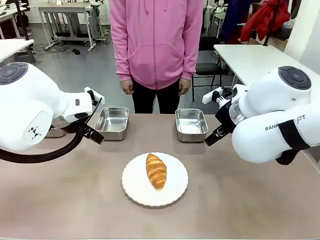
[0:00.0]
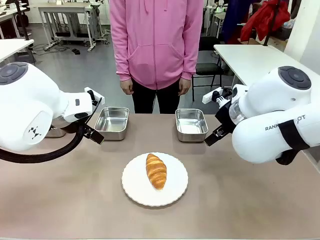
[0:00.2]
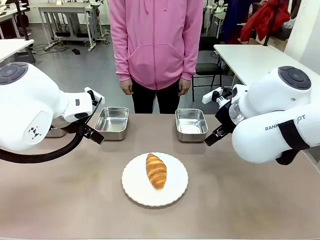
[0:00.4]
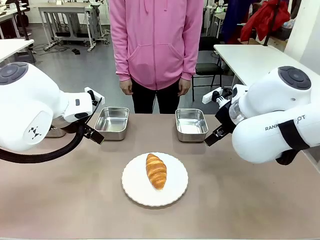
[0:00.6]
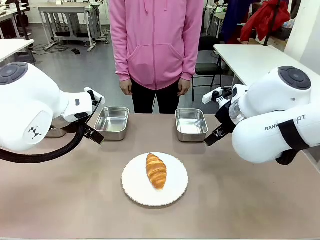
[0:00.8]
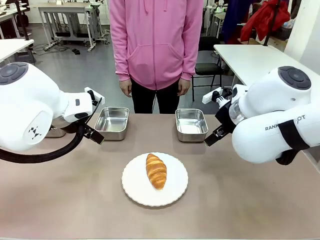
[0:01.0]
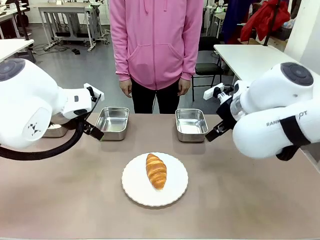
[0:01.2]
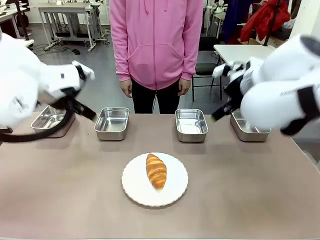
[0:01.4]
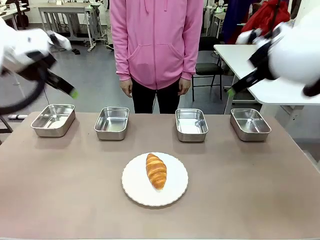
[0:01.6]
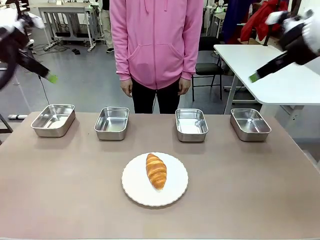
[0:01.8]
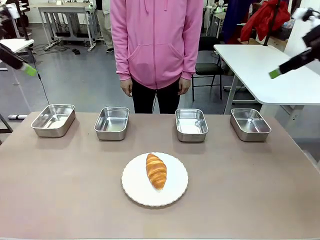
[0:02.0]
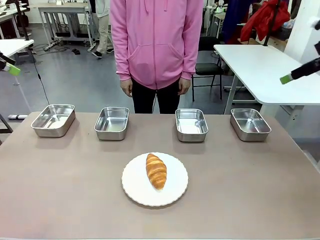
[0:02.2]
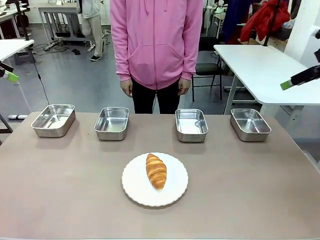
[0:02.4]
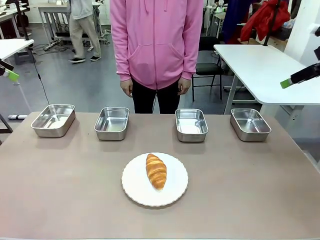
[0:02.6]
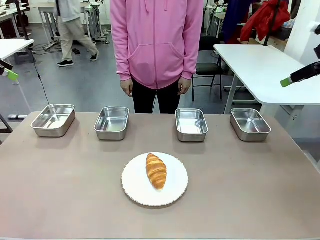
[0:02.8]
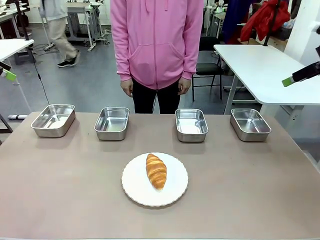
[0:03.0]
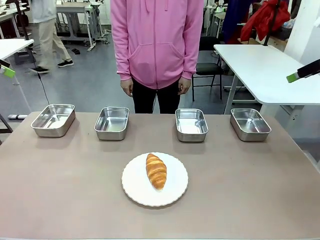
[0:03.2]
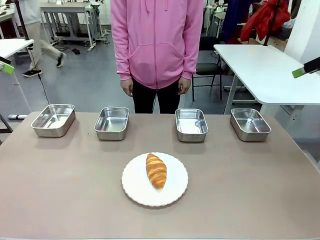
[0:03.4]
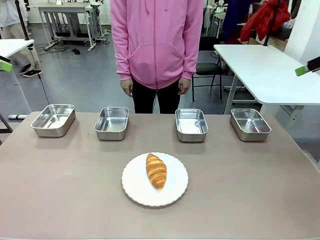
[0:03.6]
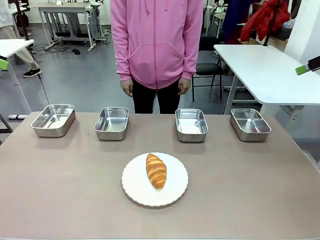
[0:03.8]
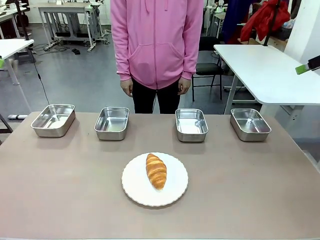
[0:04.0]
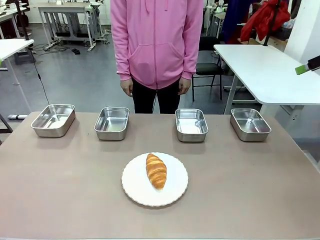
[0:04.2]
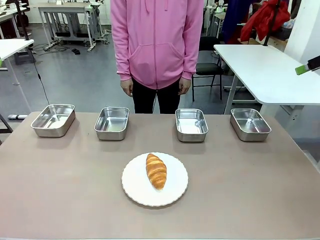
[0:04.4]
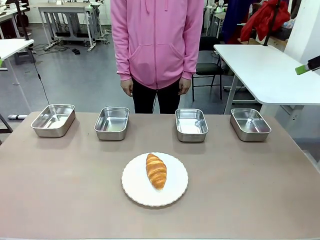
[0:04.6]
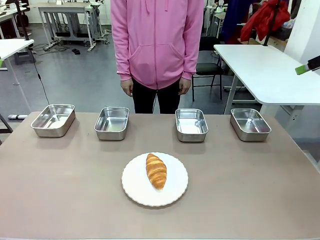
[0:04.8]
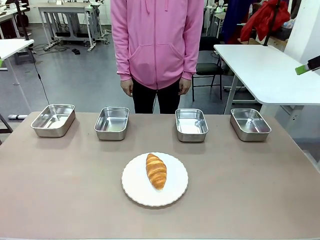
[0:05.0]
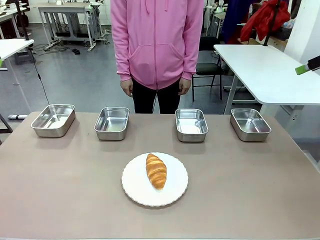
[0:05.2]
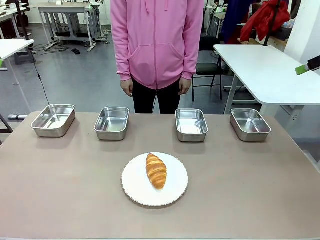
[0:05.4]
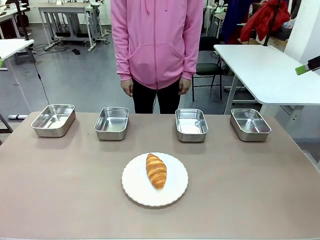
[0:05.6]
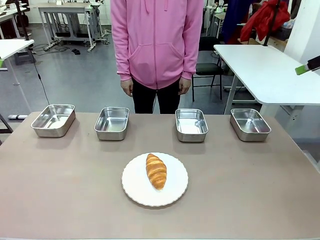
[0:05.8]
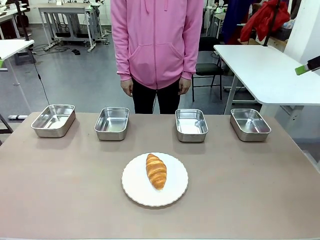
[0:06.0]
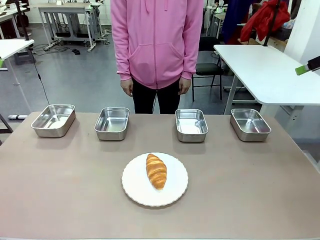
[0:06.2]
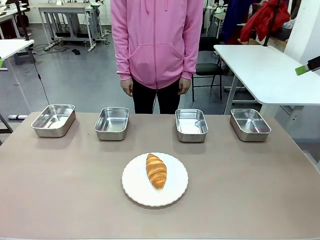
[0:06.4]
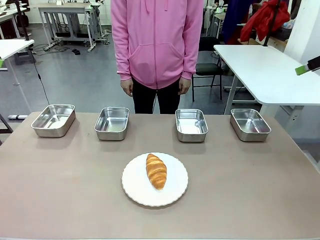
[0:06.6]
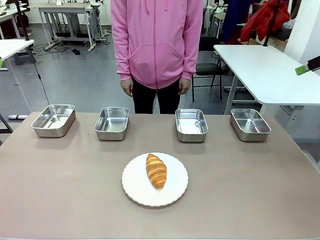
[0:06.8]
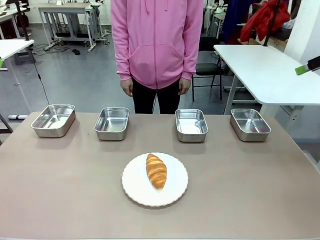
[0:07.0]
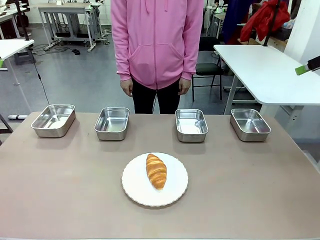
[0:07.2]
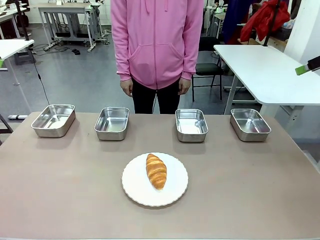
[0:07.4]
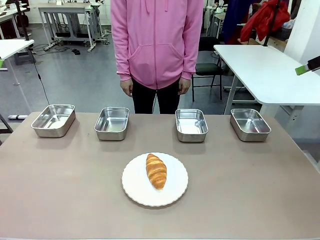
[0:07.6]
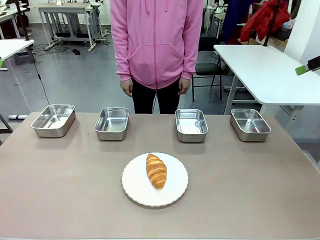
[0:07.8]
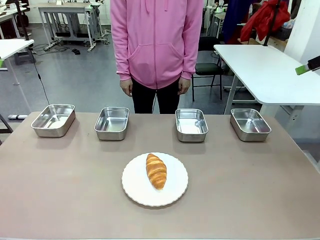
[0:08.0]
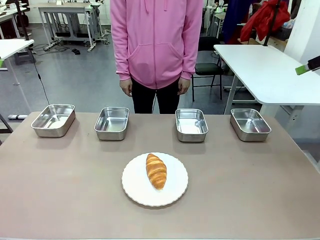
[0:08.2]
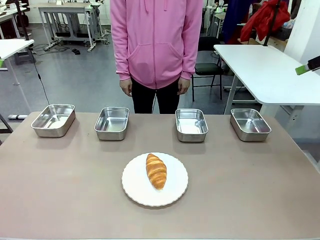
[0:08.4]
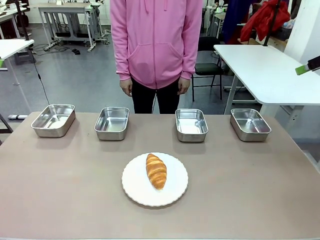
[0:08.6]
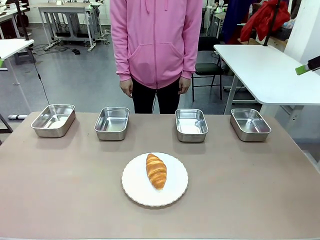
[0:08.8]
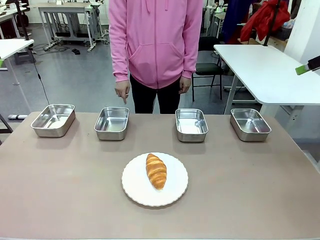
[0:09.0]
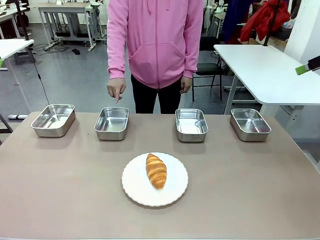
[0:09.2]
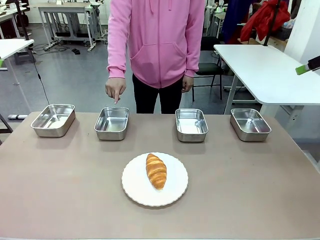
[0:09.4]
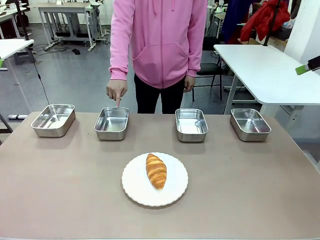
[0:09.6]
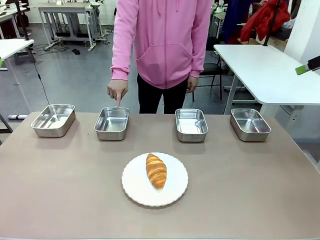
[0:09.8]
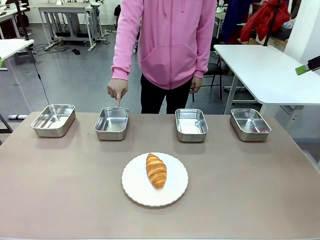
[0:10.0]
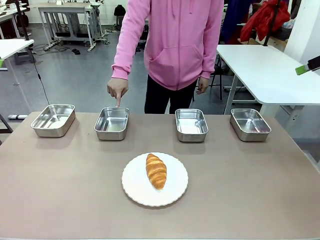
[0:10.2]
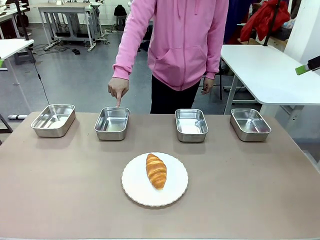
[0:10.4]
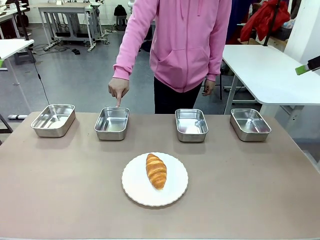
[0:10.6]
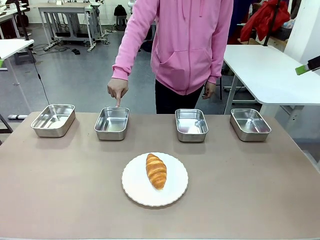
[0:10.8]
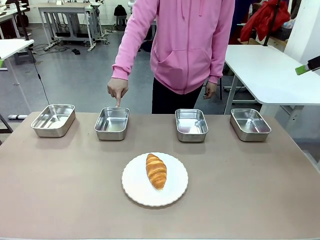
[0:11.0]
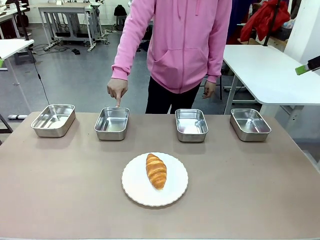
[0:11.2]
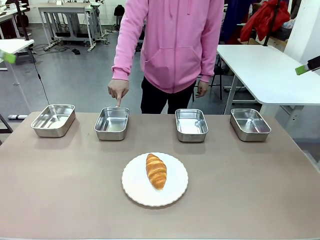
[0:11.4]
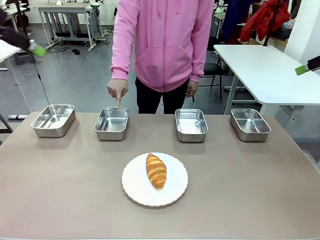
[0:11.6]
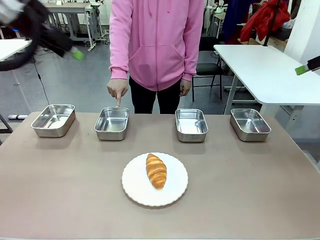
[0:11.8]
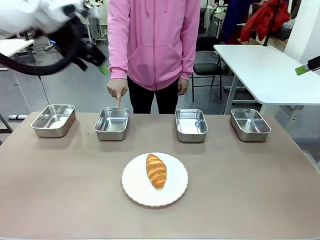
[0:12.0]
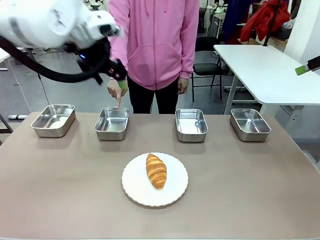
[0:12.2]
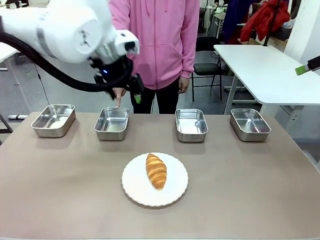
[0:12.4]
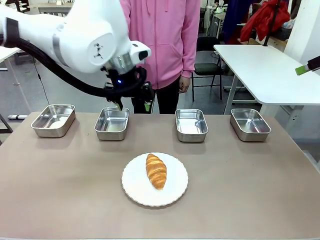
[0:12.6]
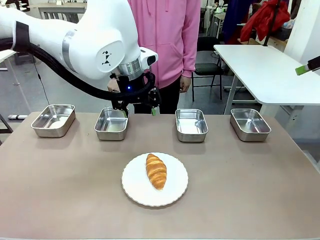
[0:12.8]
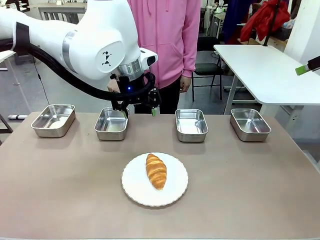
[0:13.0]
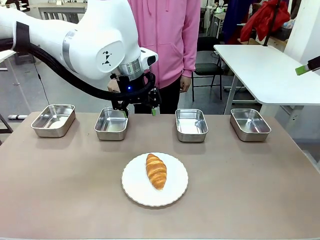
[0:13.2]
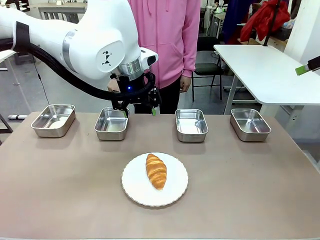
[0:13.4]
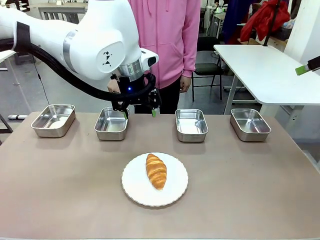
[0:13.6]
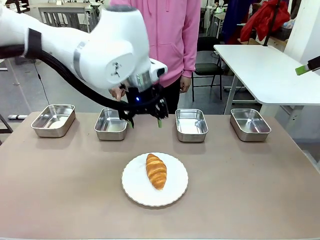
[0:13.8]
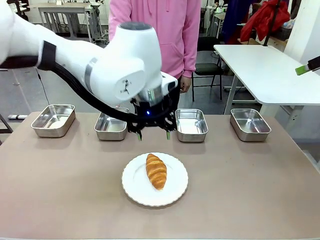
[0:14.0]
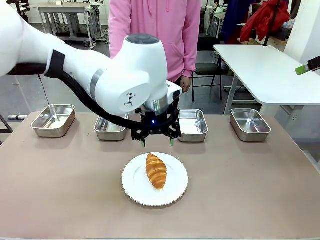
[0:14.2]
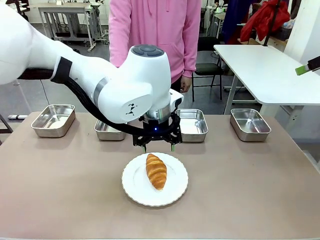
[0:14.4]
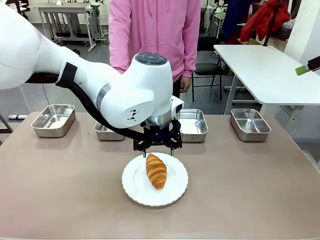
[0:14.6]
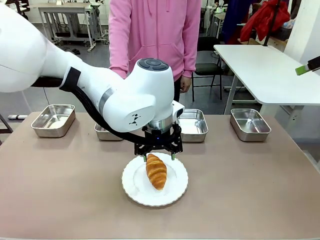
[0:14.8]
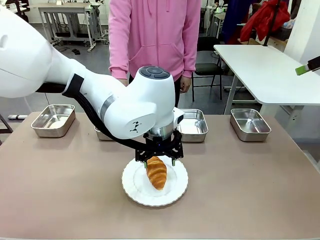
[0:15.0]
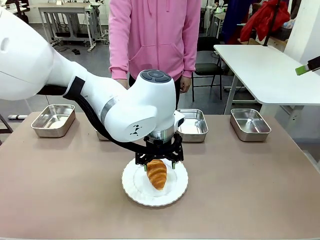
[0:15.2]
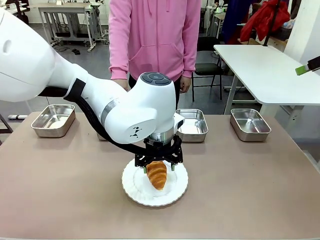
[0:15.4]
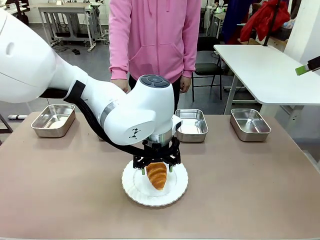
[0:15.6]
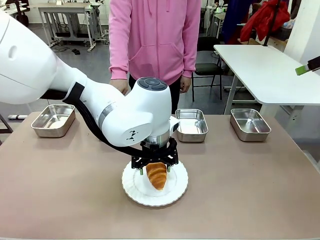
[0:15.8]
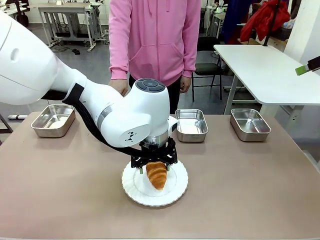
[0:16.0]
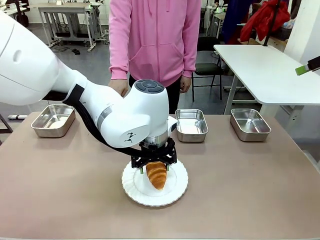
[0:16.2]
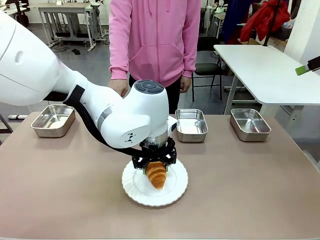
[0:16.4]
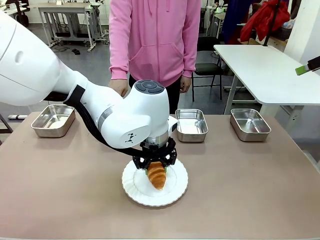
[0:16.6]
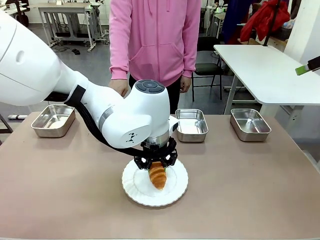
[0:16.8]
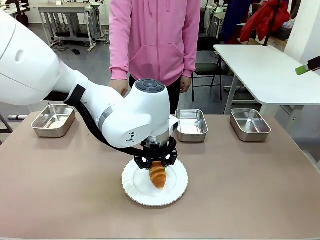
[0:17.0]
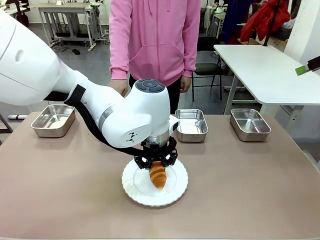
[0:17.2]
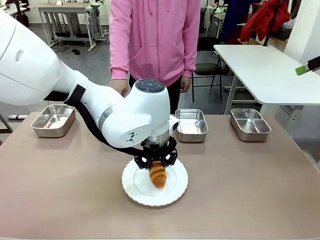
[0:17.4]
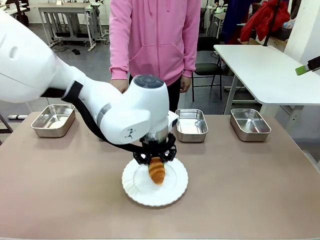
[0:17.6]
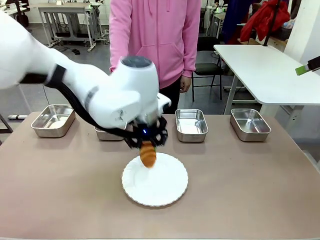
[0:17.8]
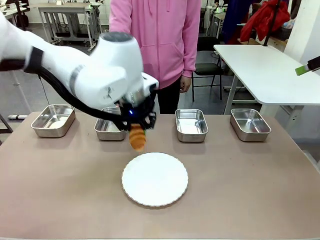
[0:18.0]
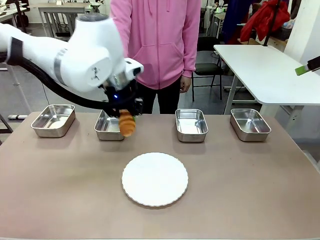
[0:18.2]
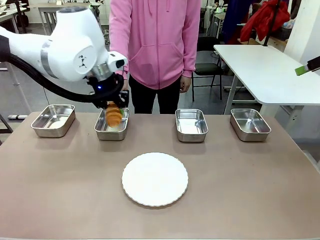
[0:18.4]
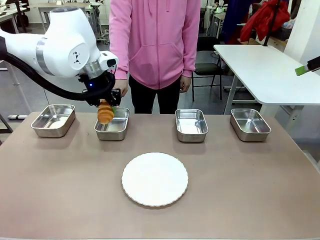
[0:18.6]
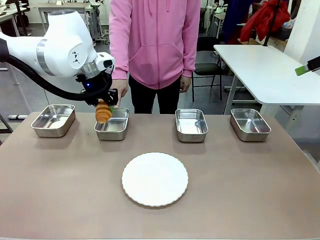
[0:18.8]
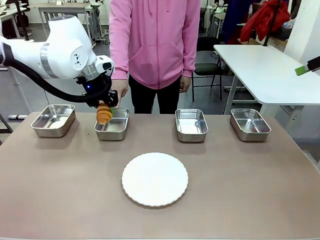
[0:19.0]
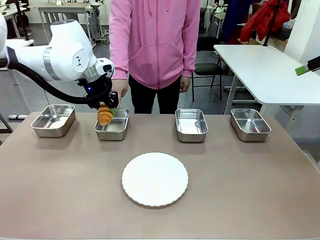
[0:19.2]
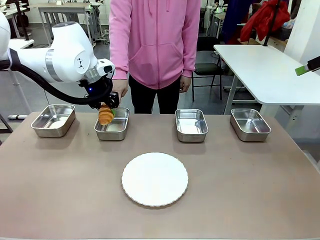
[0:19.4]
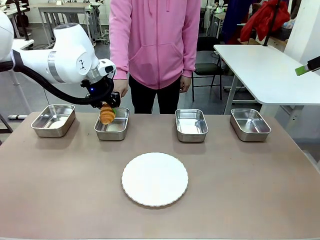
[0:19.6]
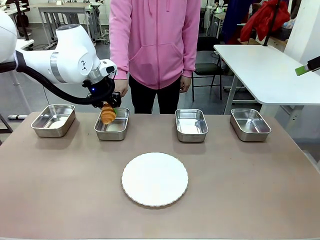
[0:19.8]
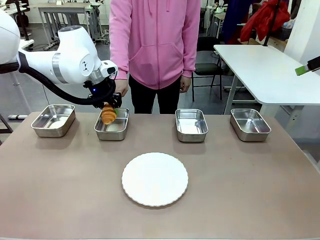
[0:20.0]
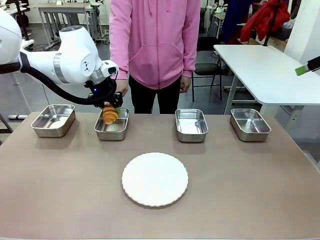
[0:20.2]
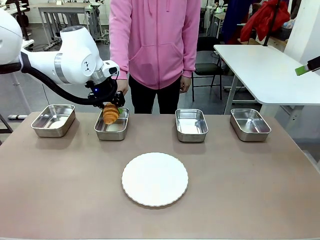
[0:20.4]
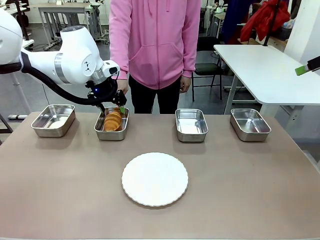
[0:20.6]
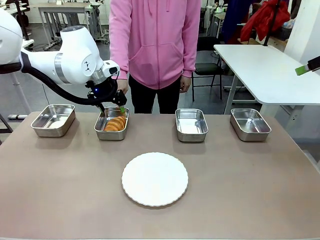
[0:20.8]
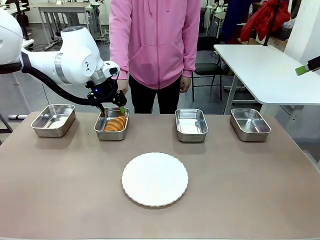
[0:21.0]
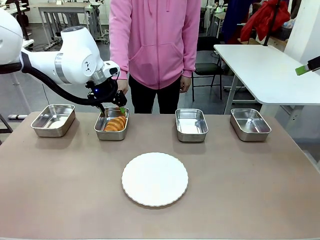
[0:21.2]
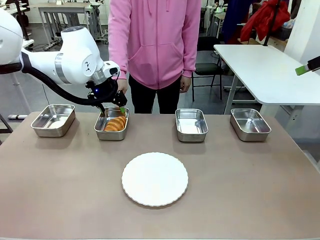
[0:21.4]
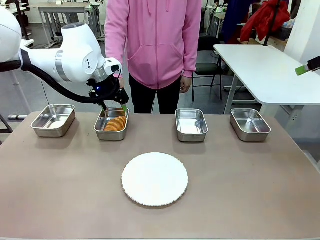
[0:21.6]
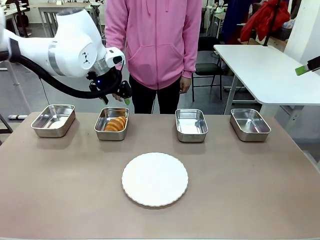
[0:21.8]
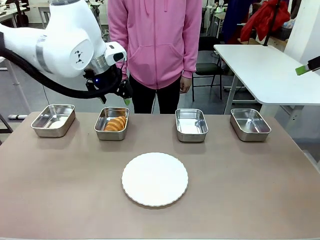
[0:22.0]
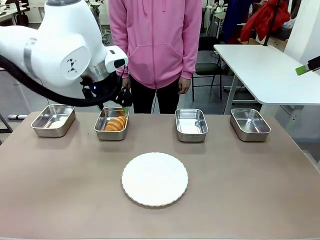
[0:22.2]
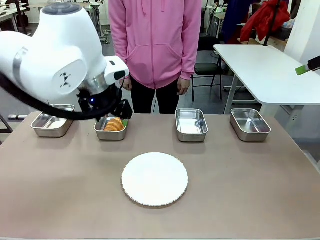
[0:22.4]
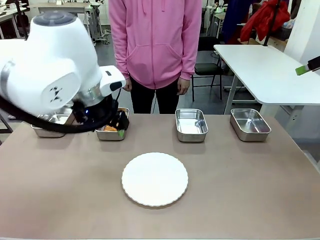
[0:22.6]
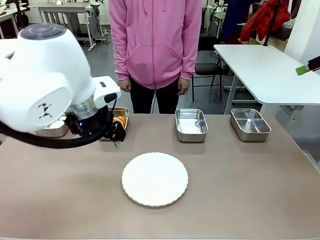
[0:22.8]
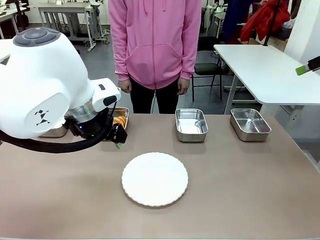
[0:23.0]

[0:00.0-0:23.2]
Task: Place the bread in the container.
Robot: Place the Butter Roll into the Airtight Container indicated by the human.
Person: A person randomly selects and points to an Airtight Container.
